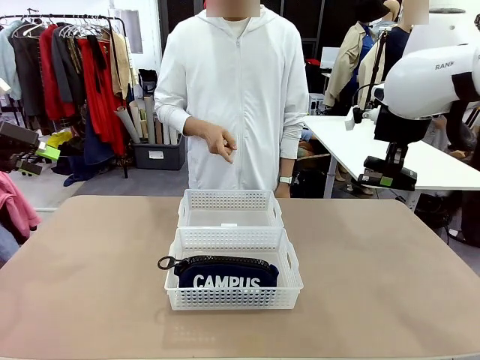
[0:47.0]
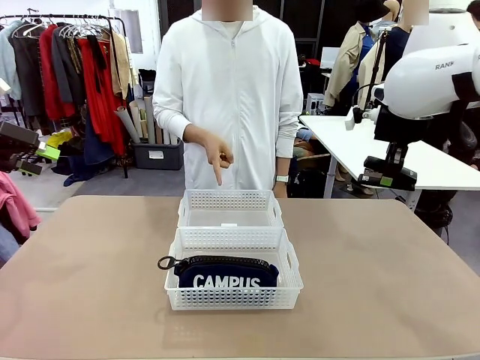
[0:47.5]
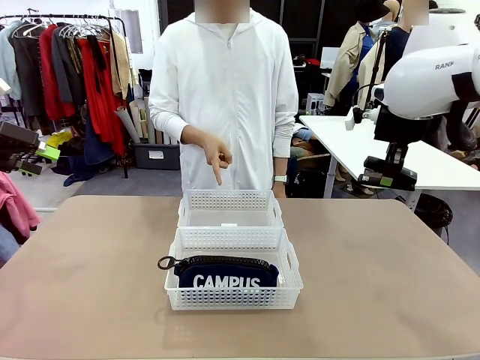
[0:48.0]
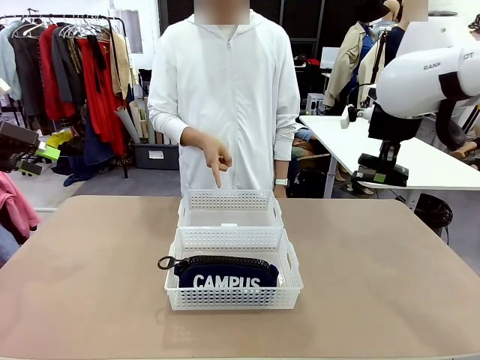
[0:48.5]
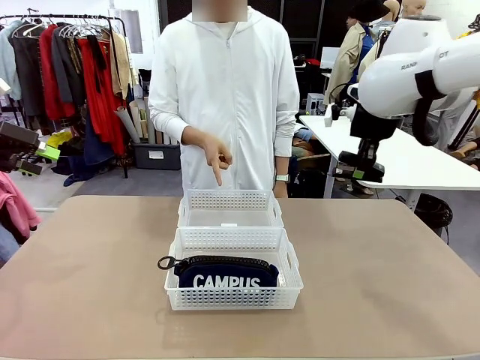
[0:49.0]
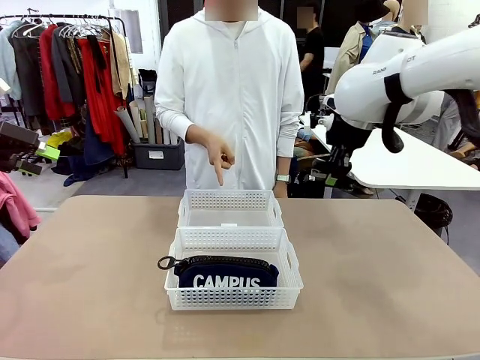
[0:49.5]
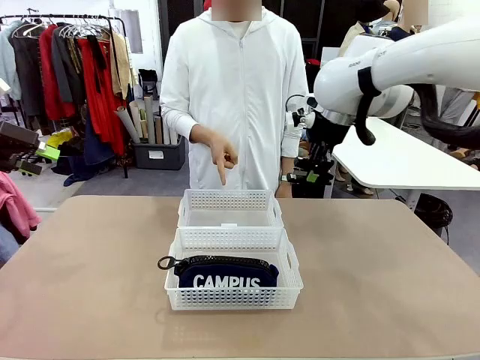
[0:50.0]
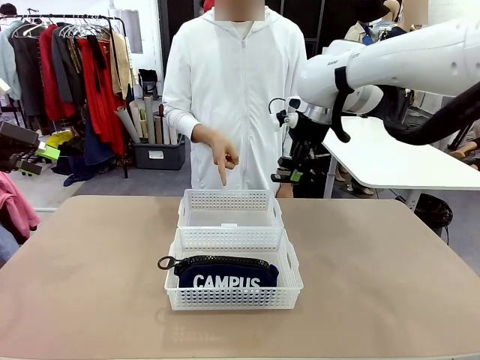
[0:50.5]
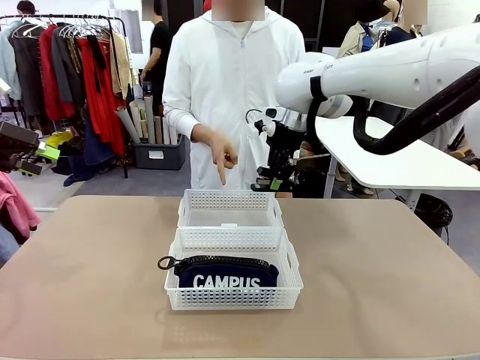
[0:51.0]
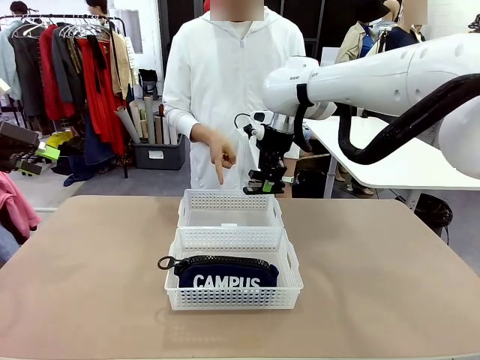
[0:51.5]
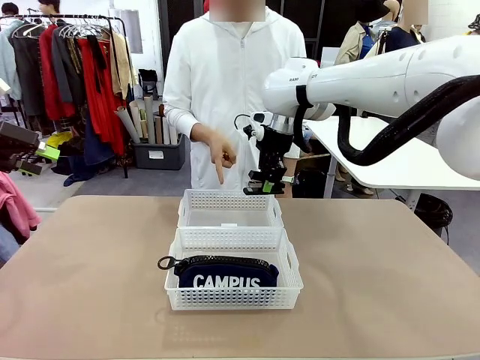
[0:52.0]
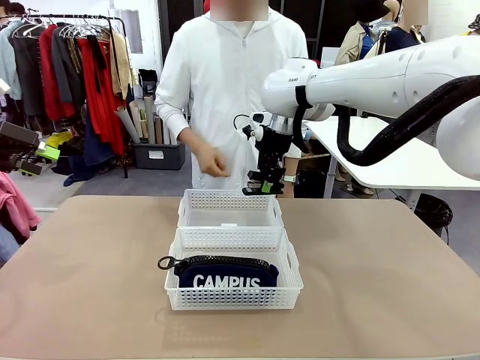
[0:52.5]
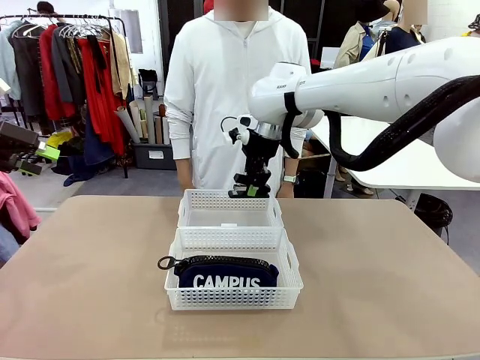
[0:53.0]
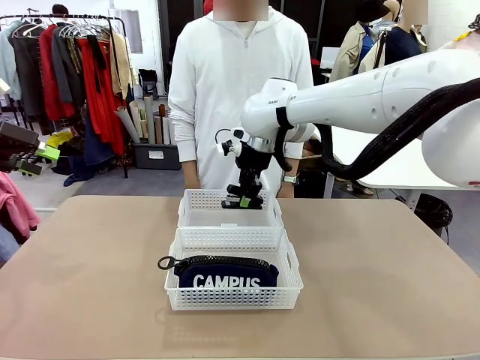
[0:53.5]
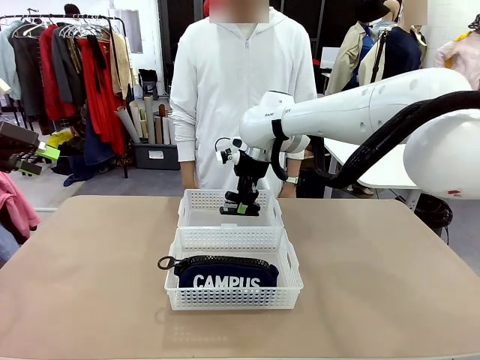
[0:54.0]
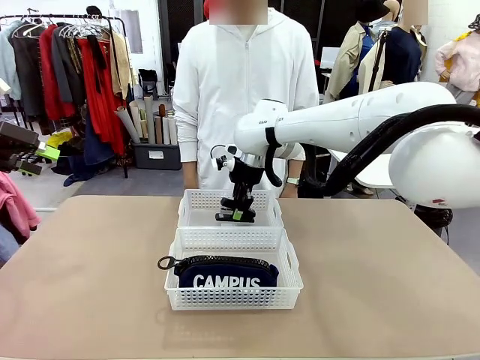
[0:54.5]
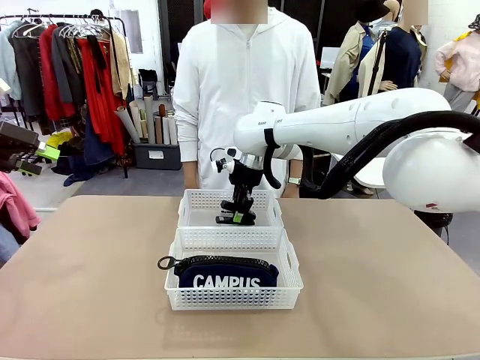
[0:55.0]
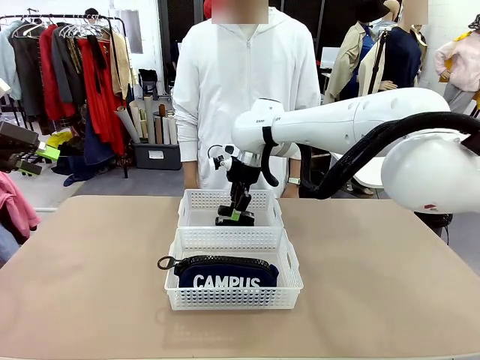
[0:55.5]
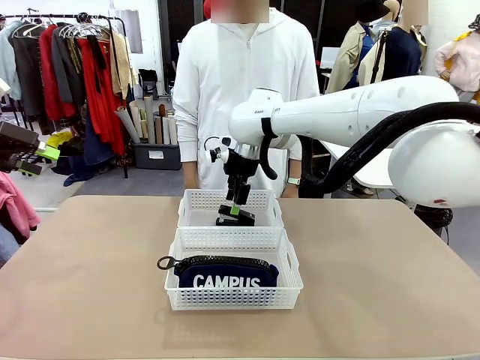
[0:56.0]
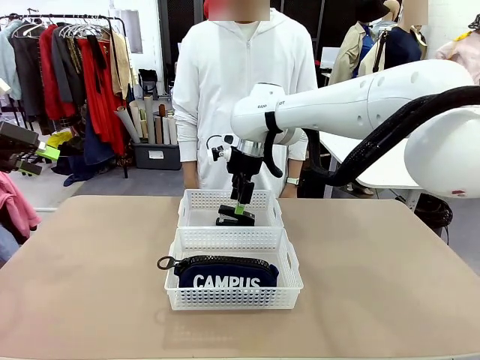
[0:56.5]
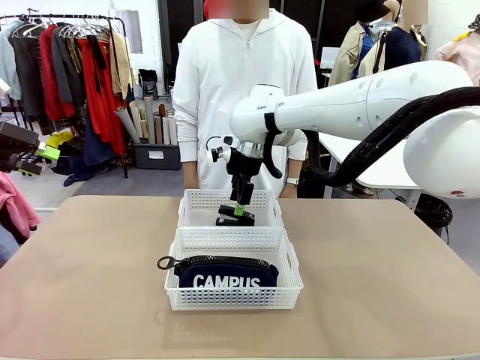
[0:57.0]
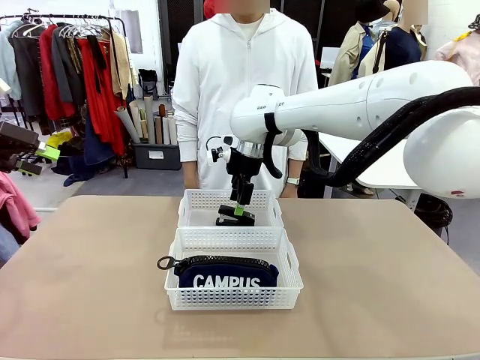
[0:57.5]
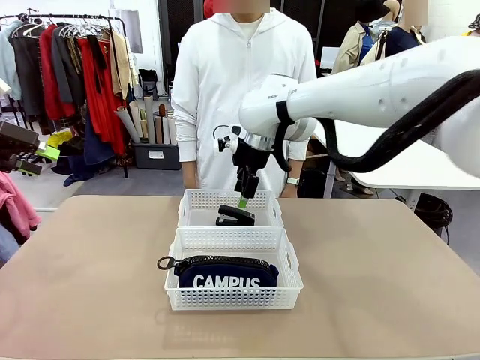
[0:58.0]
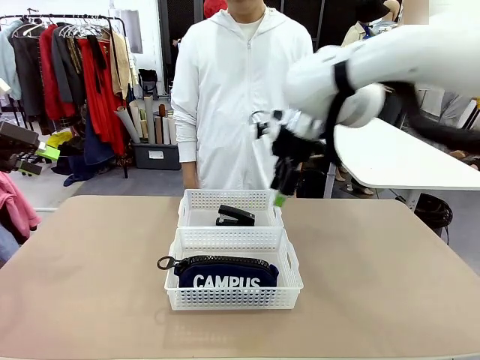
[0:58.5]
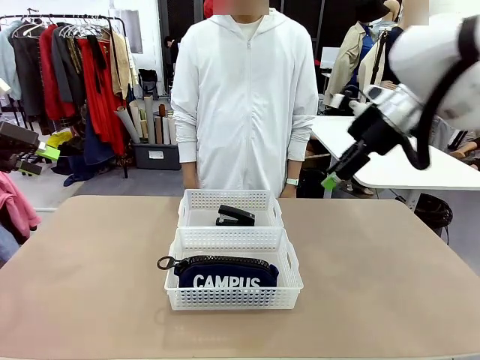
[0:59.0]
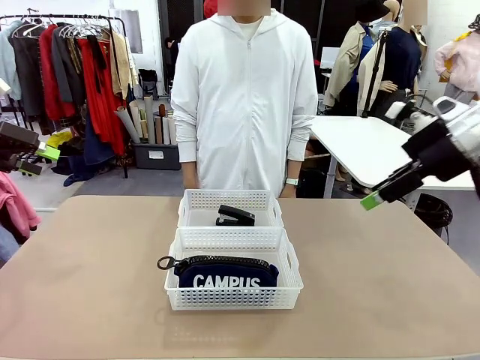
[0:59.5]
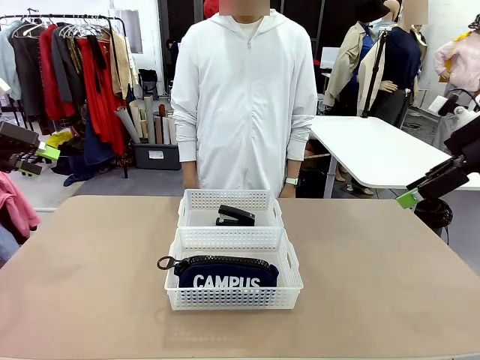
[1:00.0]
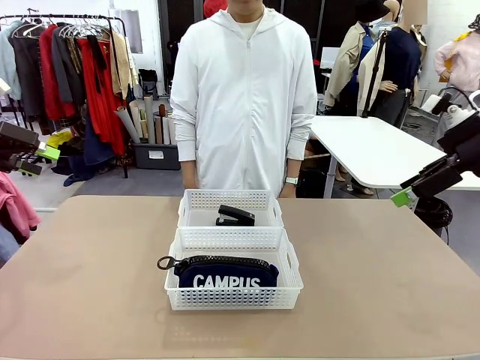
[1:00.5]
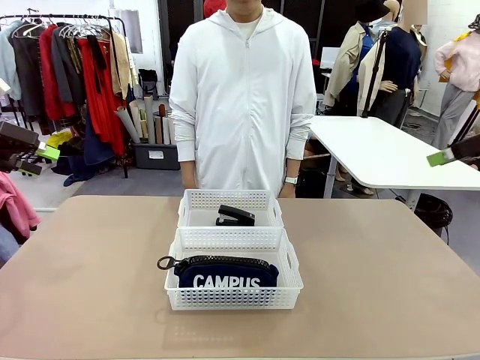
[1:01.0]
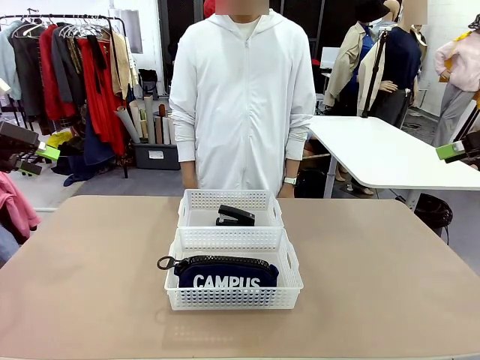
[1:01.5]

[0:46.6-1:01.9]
Task: Distribute items into two baskets.
Robot: Place the picked Stapler into the Organizing basket as instructed by the person.
Person: Points to the basket that does not contain the pencil case and instructs the robot to move the stapler there.

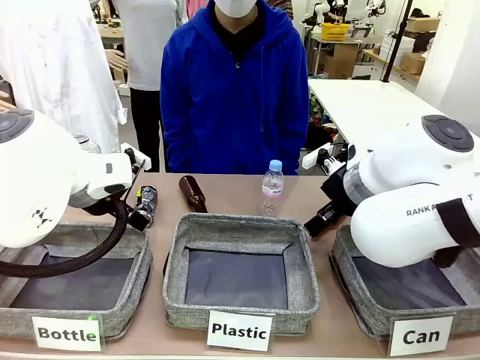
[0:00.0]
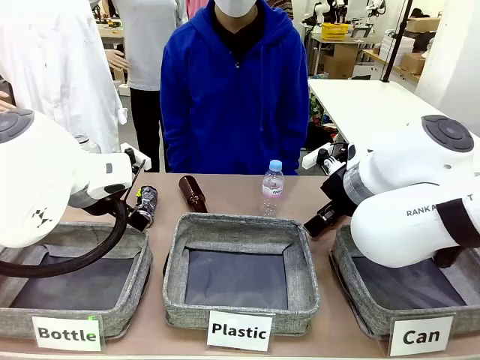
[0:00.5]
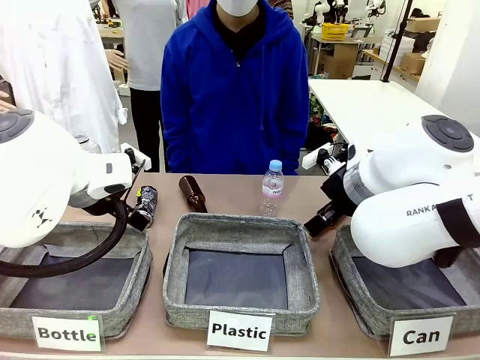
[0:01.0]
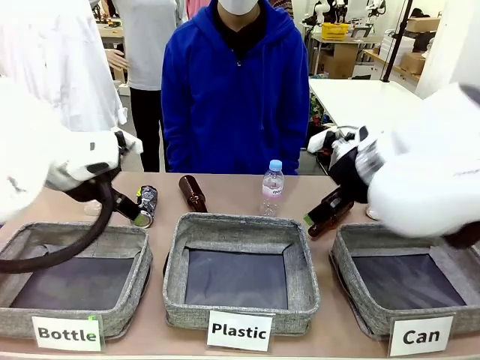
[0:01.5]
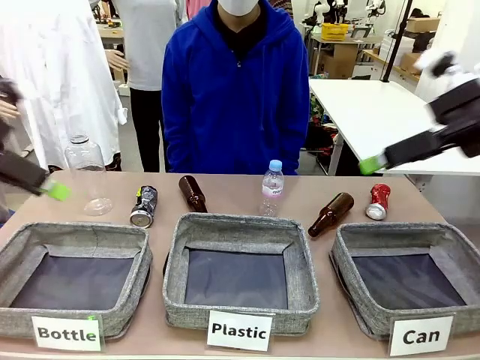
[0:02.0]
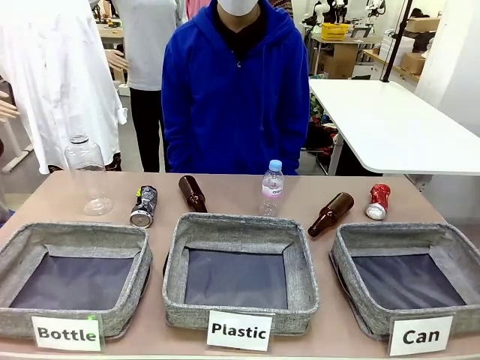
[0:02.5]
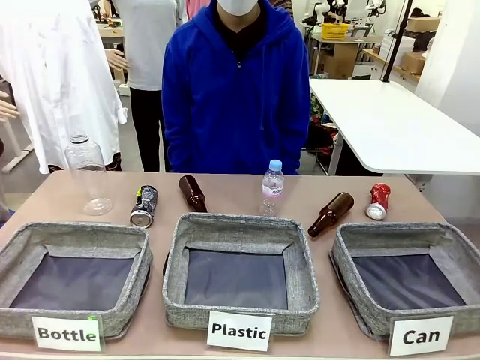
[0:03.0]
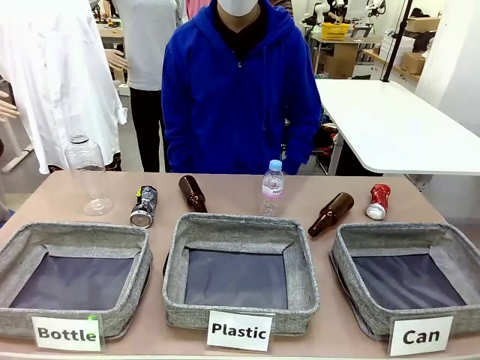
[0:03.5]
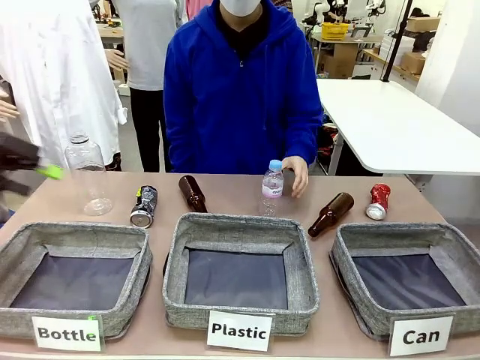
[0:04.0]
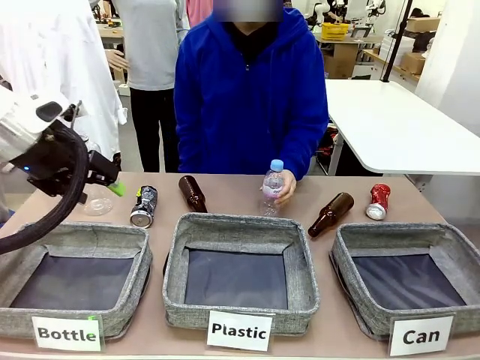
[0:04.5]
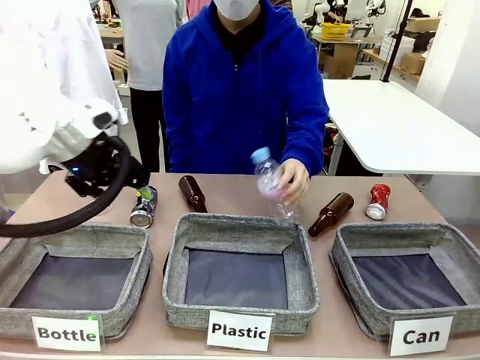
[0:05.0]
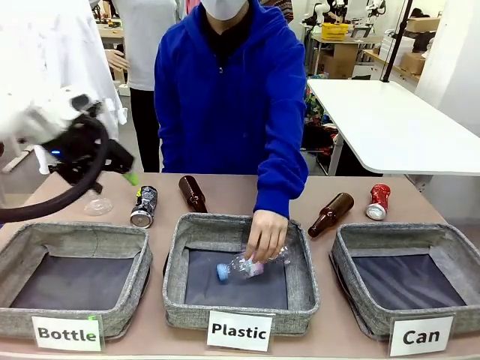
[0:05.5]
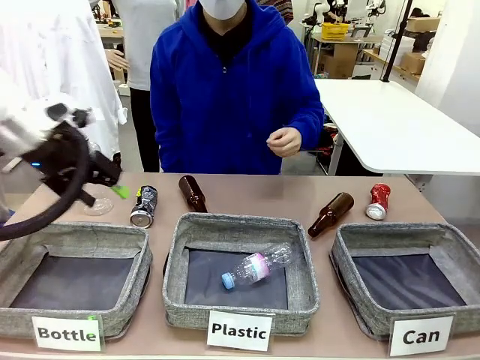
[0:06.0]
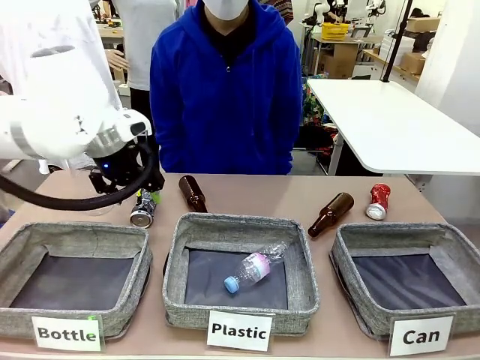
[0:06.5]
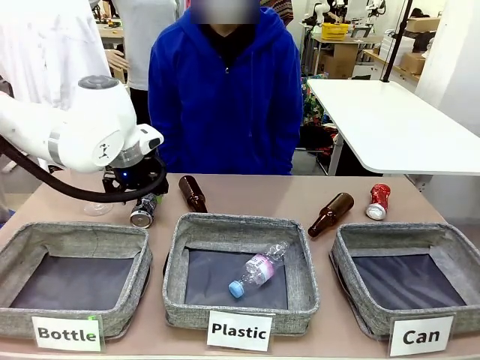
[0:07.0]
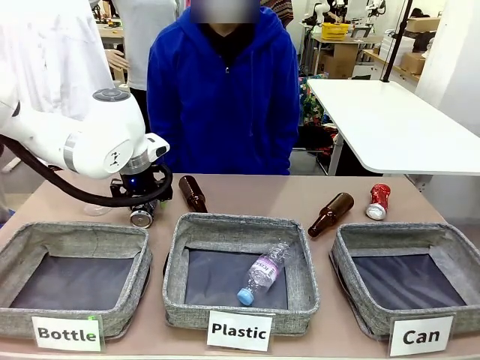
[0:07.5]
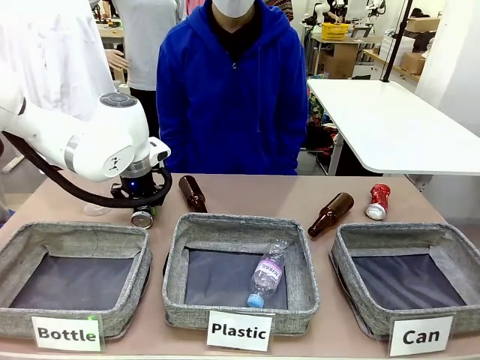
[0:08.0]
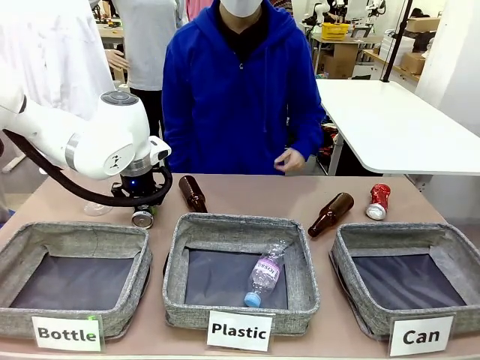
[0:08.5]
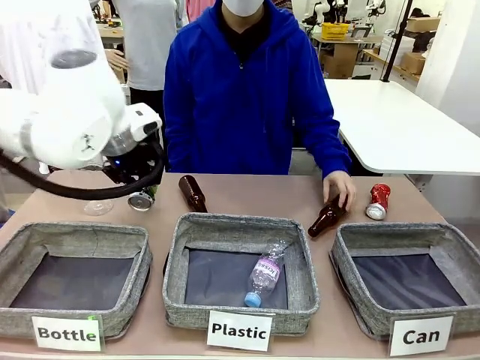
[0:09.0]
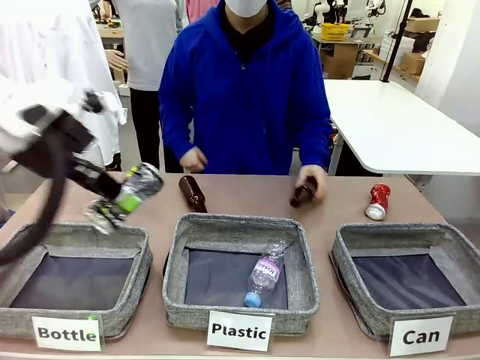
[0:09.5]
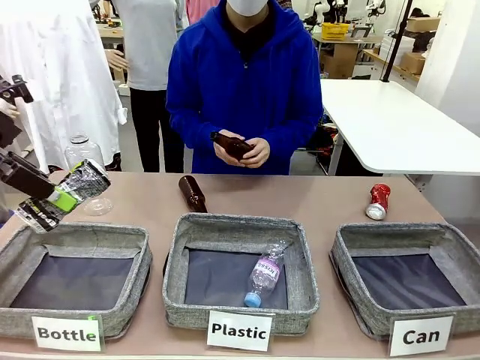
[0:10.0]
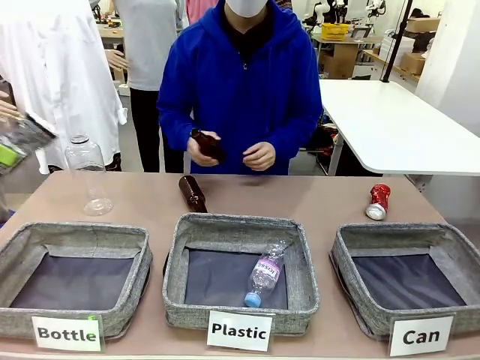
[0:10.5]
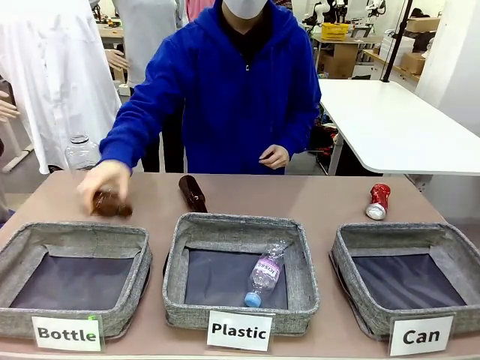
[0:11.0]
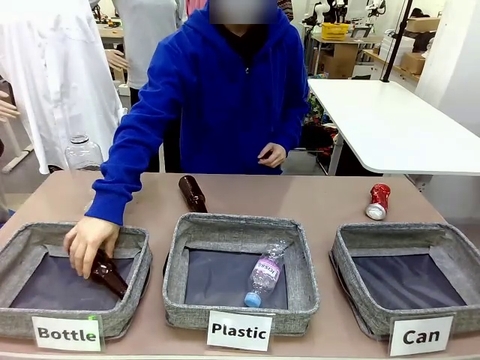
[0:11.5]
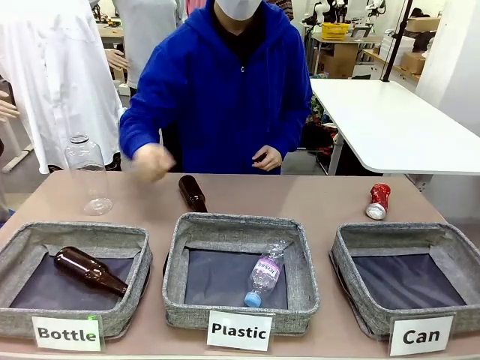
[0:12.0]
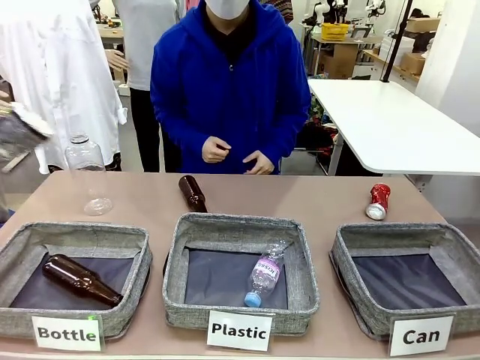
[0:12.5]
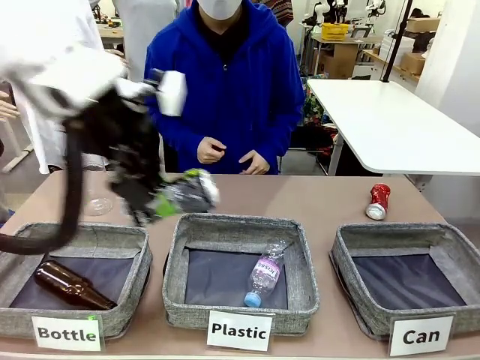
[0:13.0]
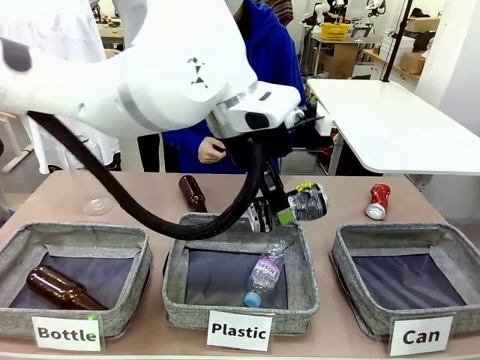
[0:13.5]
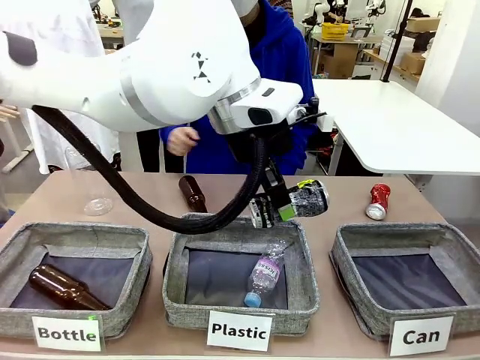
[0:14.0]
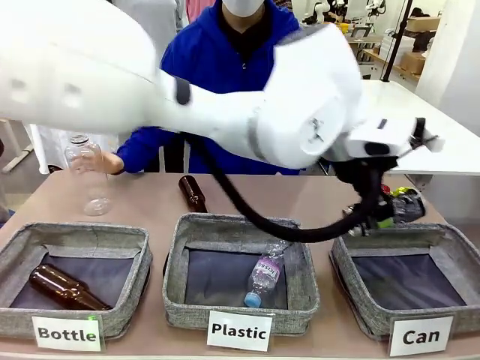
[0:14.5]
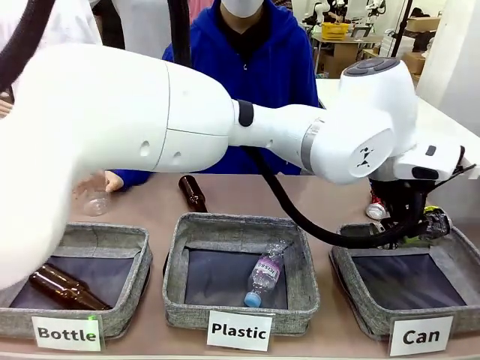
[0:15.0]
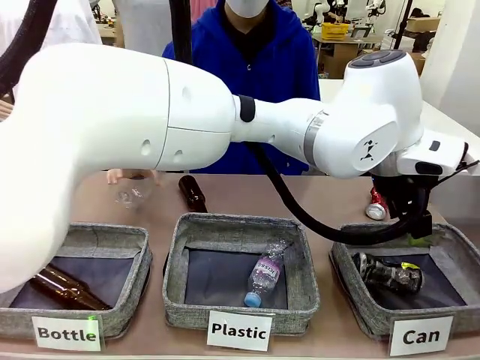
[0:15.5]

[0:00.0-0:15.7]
Task: Sort the can waste into the basket.
Robot: Pick up the can waste from the table and place it in the right Fabric basket.
